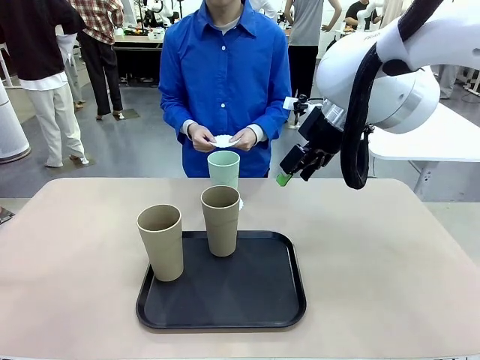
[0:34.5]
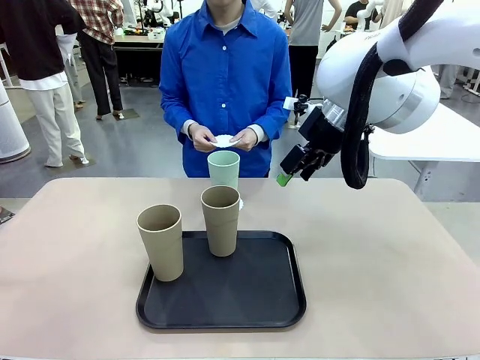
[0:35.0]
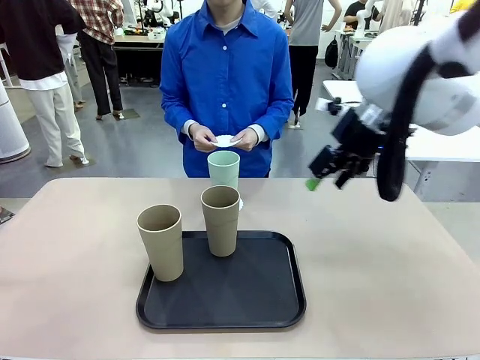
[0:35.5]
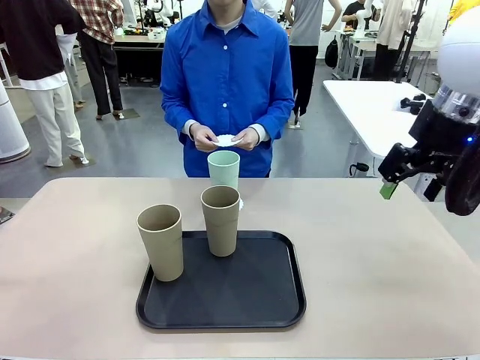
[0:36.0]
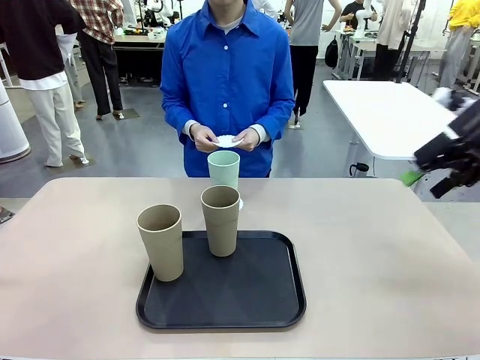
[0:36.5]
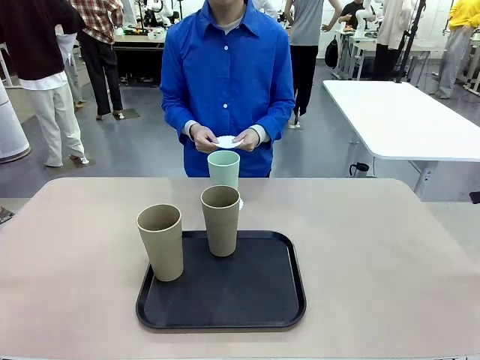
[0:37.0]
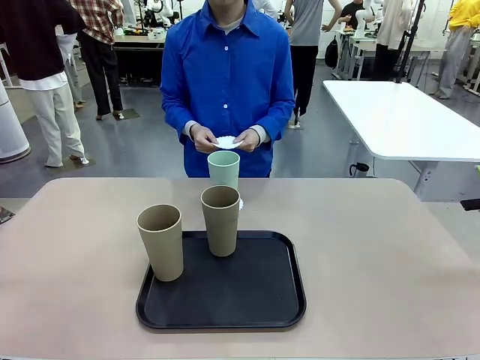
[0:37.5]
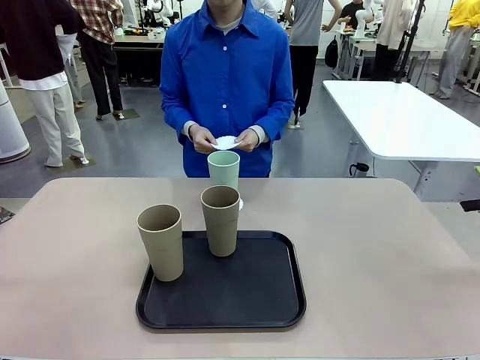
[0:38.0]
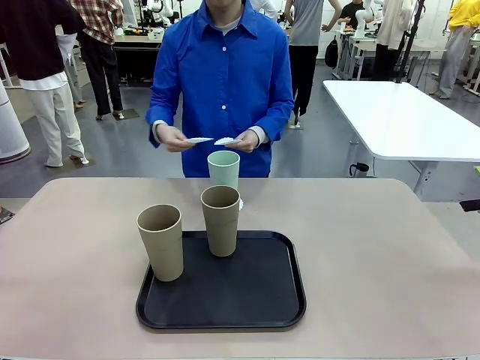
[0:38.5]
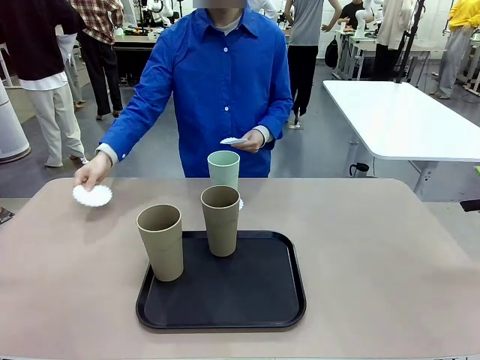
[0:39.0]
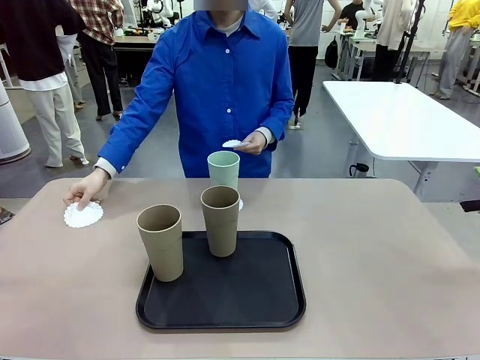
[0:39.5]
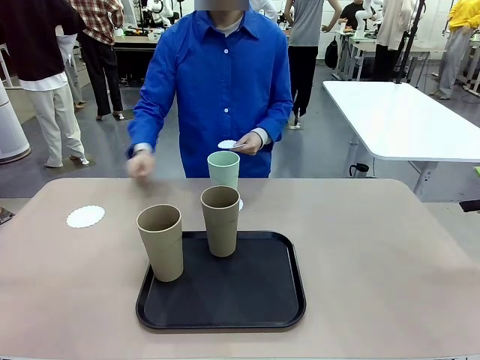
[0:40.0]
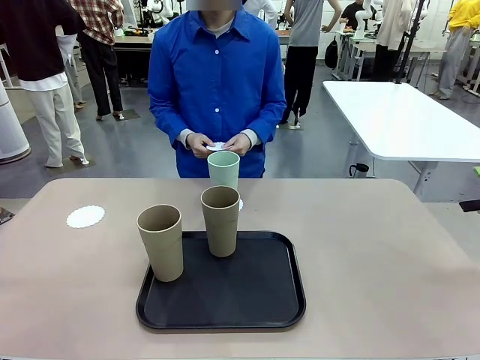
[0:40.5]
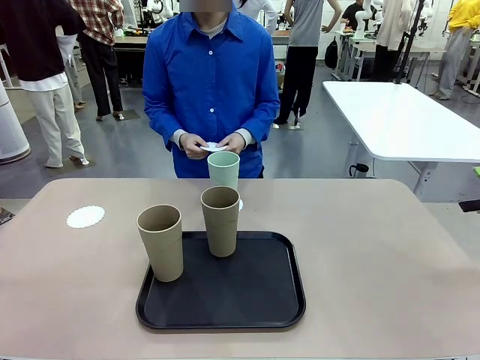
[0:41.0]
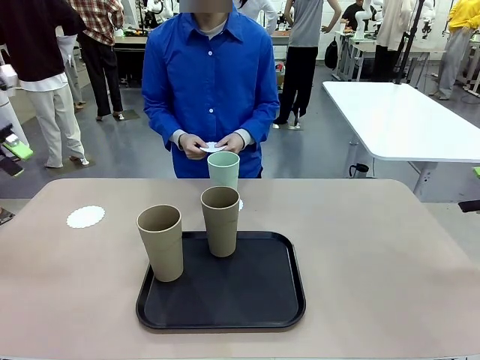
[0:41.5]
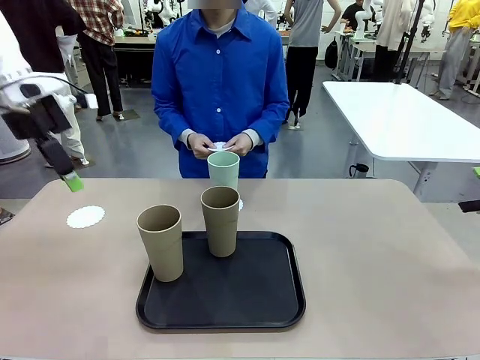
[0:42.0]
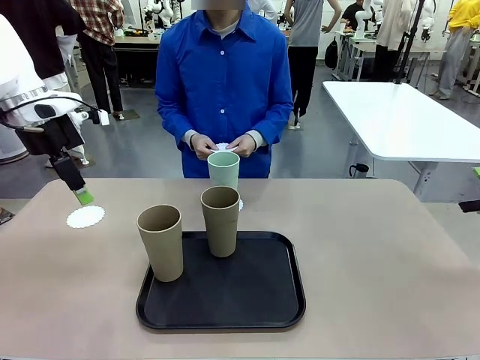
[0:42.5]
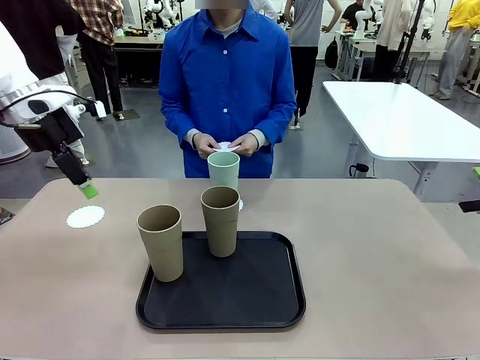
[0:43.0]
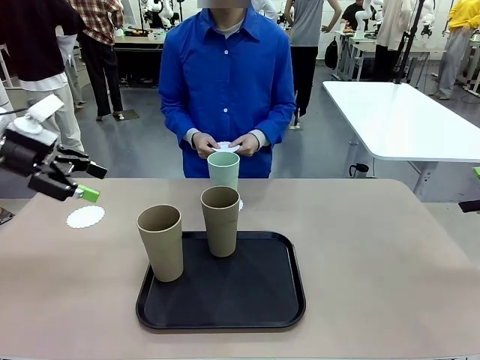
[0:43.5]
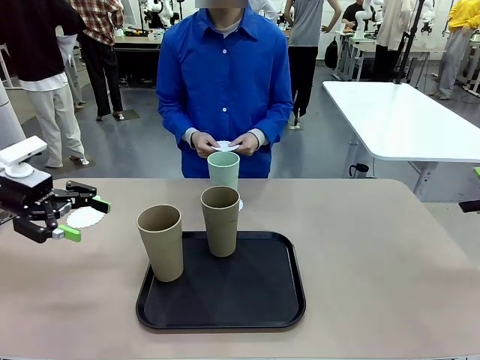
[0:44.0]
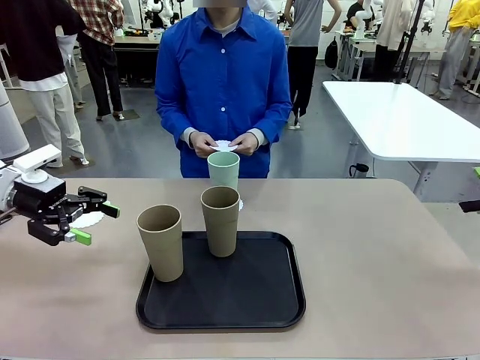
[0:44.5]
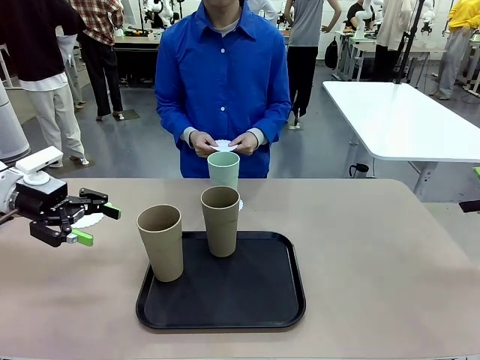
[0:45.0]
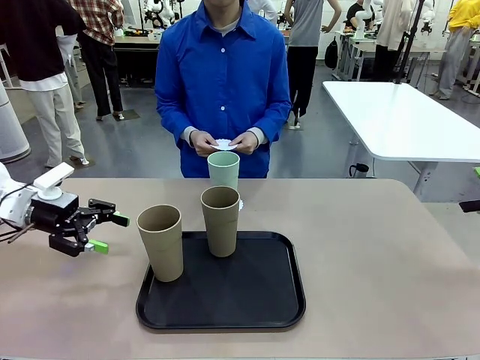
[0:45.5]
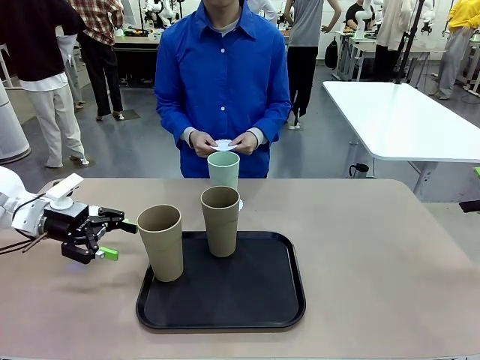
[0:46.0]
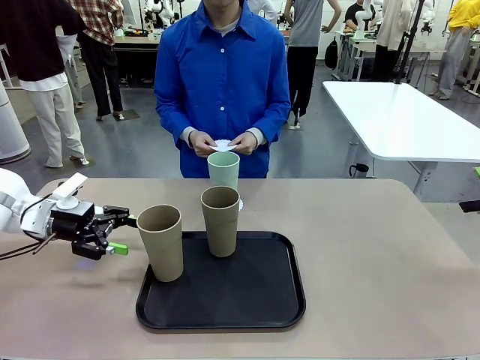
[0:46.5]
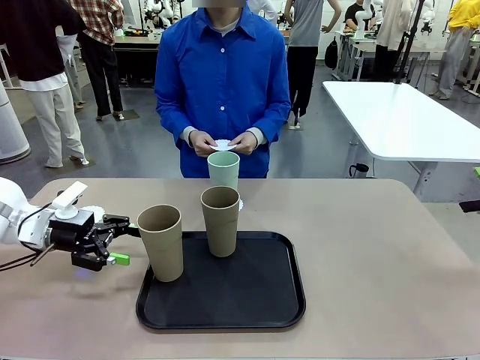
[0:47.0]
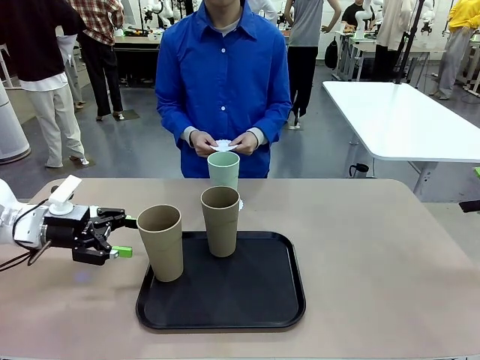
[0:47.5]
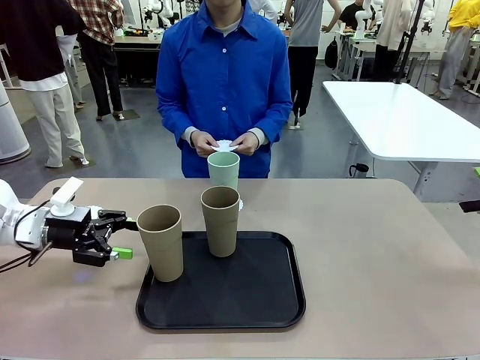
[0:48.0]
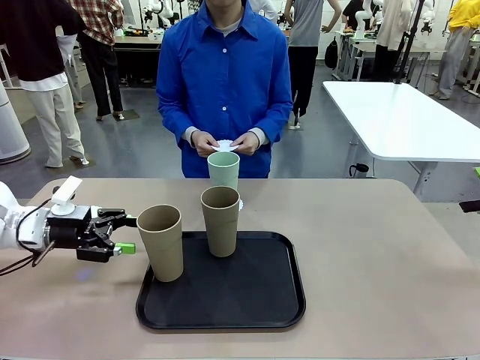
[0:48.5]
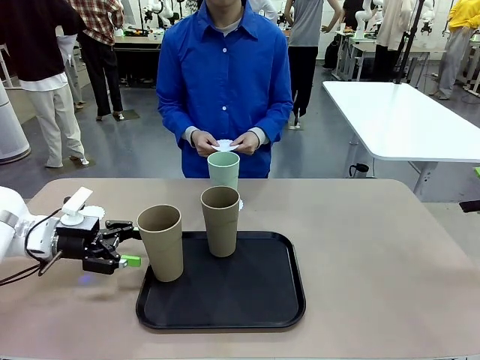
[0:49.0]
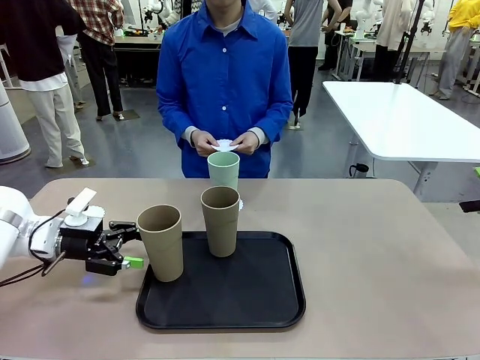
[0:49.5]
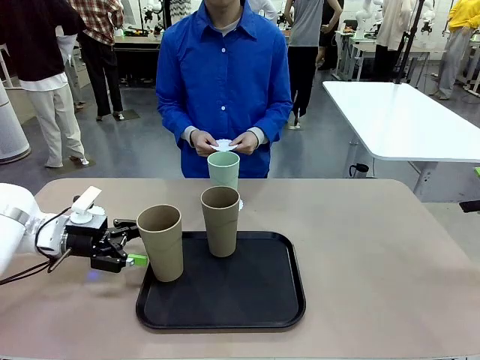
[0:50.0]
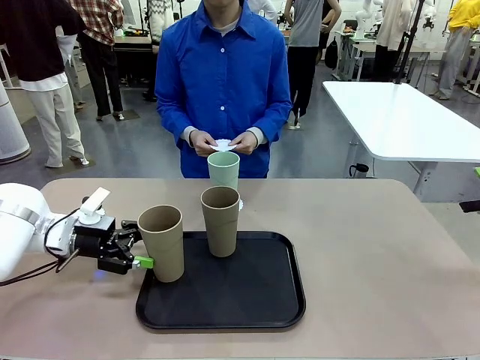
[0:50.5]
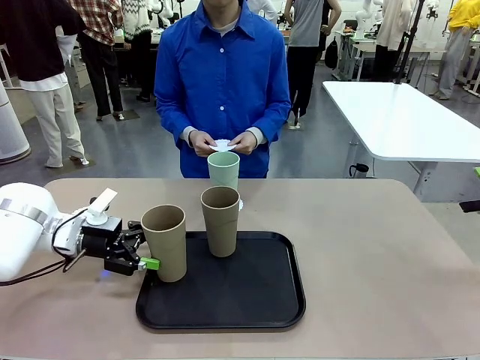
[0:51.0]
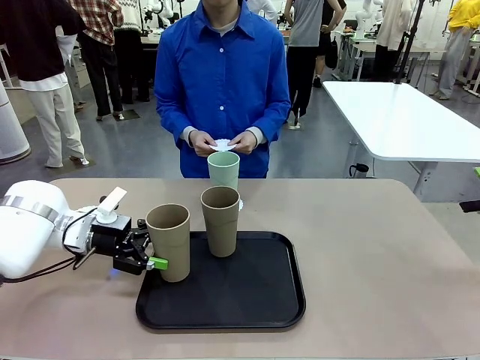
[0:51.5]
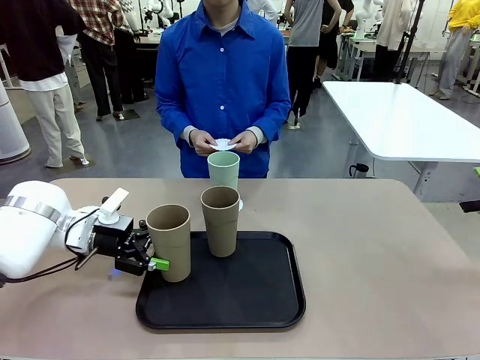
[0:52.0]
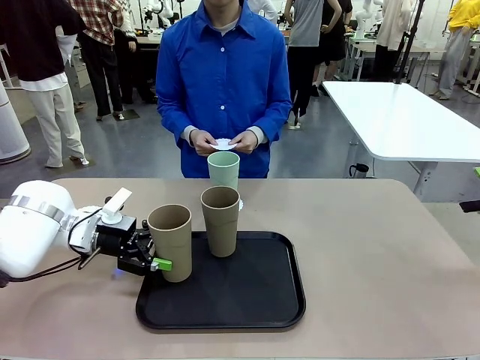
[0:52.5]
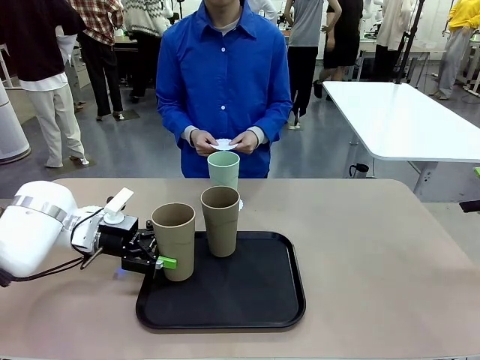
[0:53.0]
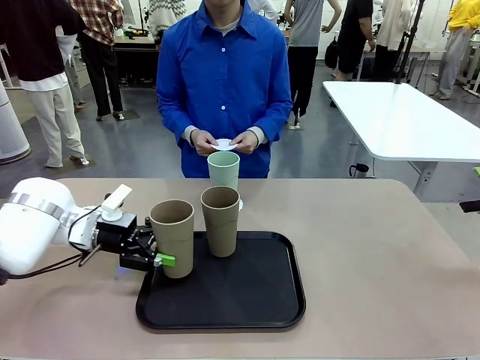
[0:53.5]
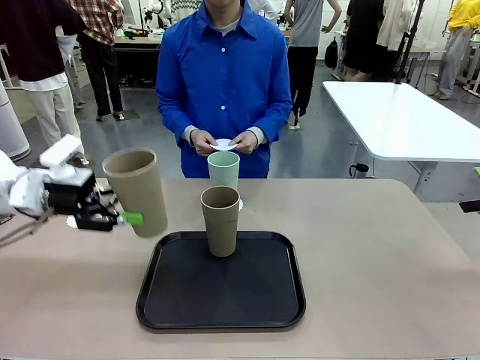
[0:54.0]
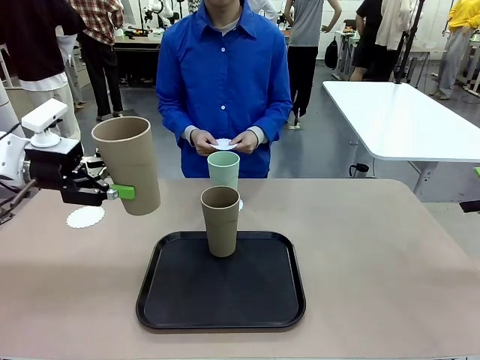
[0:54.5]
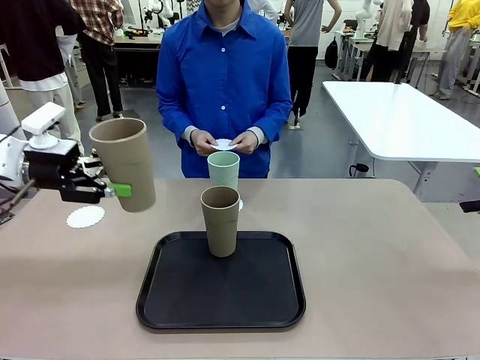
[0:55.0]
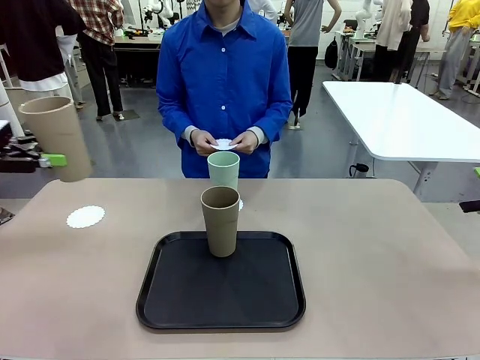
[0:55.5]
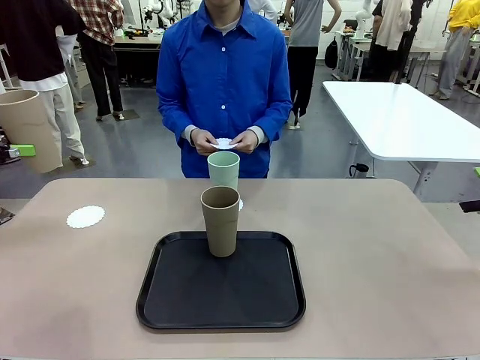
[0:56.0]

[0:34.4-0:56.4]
Task: Place coasters on the table and set cups on them.
Robot: Take one Reusable plastic cup from the Flat Tray and place it on a coaster set by the human.
